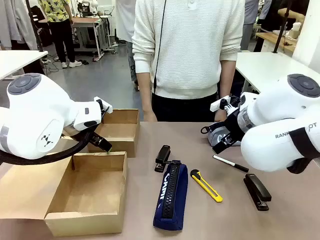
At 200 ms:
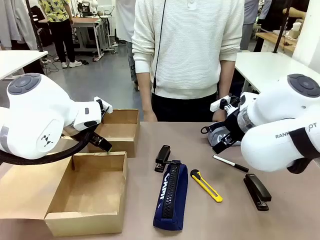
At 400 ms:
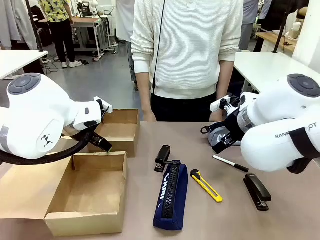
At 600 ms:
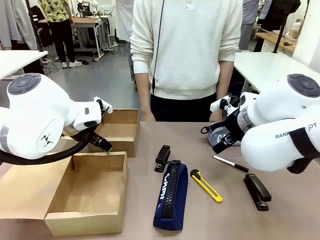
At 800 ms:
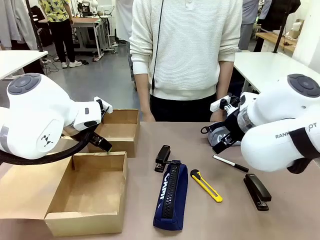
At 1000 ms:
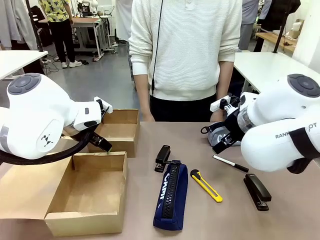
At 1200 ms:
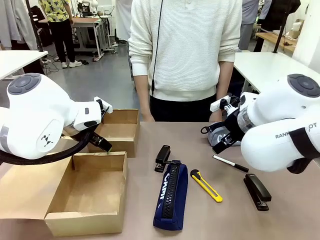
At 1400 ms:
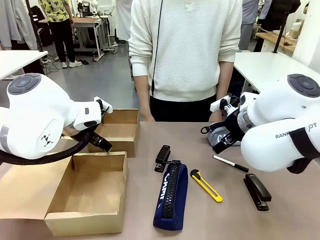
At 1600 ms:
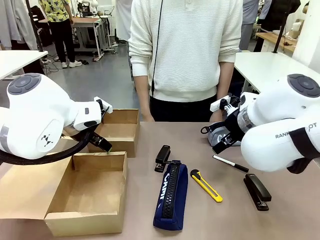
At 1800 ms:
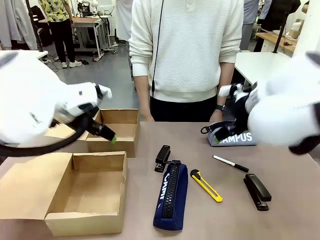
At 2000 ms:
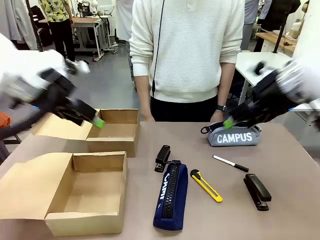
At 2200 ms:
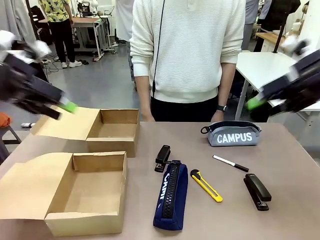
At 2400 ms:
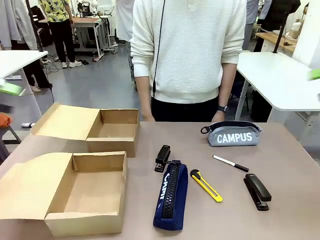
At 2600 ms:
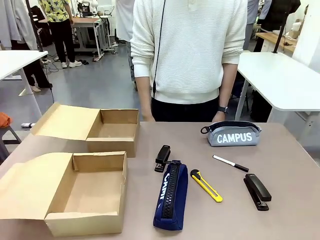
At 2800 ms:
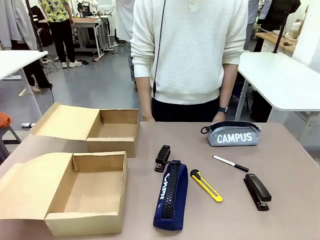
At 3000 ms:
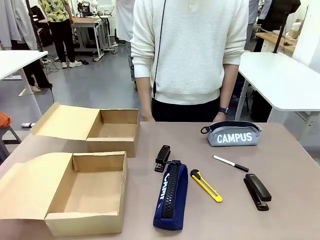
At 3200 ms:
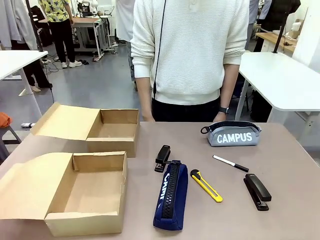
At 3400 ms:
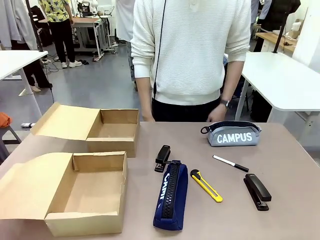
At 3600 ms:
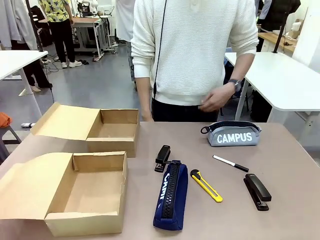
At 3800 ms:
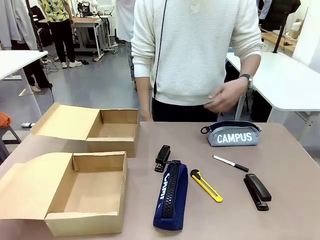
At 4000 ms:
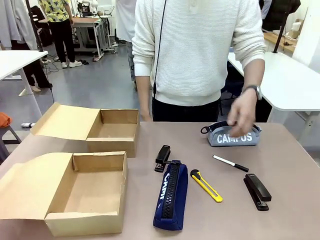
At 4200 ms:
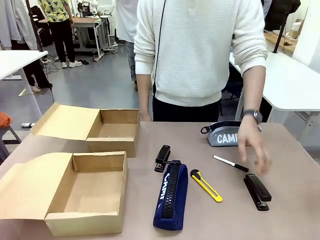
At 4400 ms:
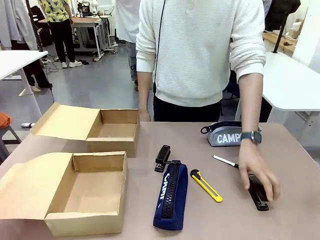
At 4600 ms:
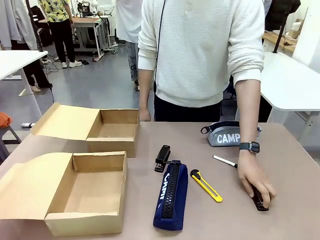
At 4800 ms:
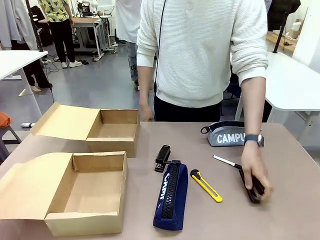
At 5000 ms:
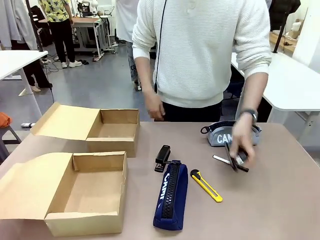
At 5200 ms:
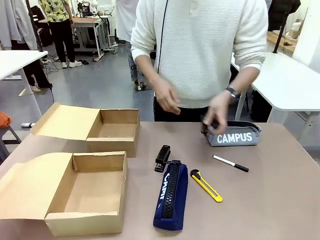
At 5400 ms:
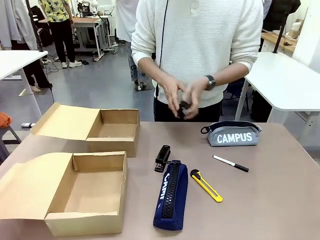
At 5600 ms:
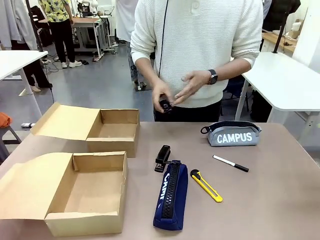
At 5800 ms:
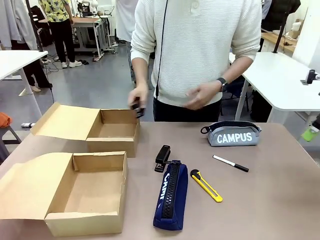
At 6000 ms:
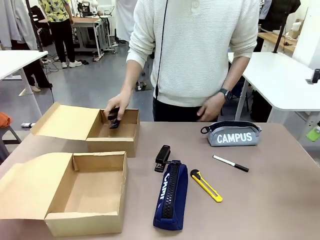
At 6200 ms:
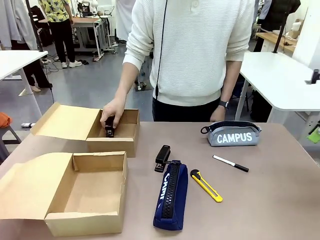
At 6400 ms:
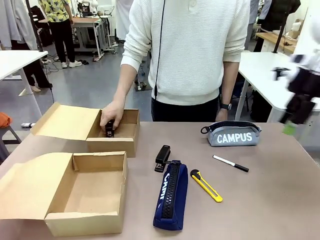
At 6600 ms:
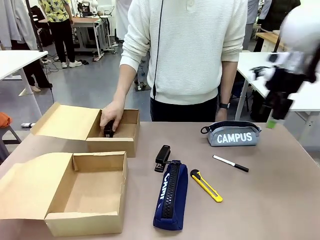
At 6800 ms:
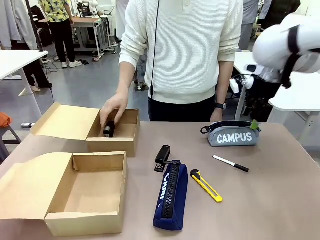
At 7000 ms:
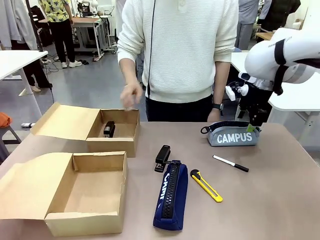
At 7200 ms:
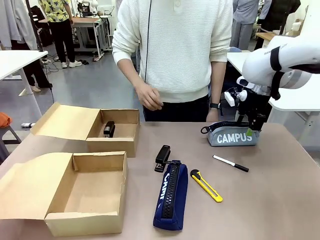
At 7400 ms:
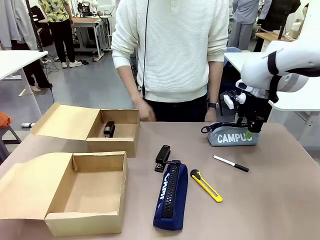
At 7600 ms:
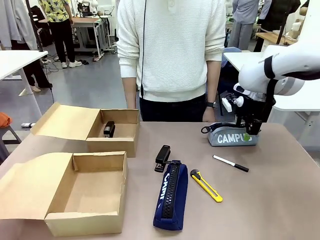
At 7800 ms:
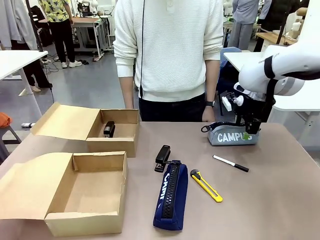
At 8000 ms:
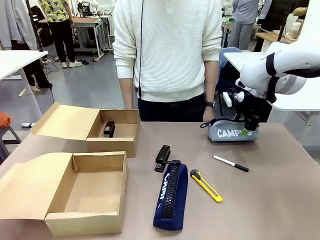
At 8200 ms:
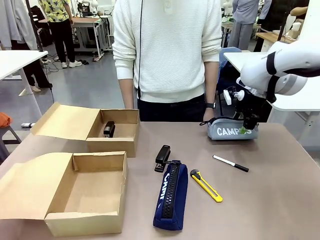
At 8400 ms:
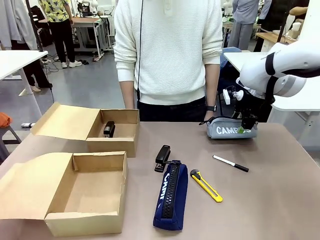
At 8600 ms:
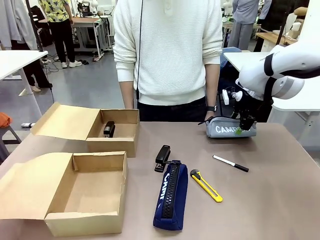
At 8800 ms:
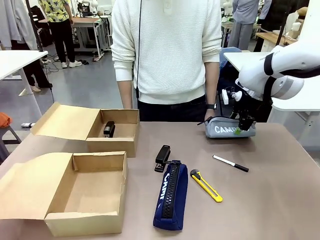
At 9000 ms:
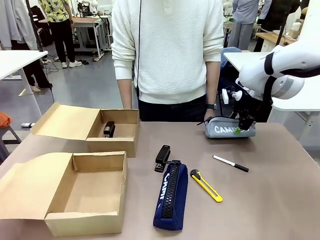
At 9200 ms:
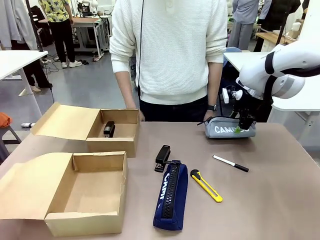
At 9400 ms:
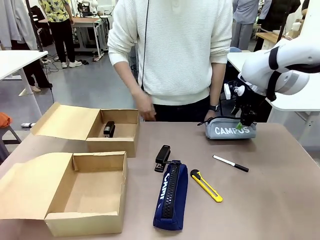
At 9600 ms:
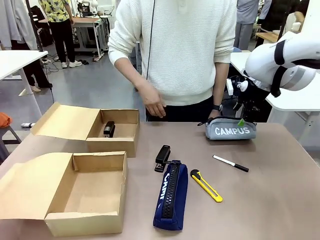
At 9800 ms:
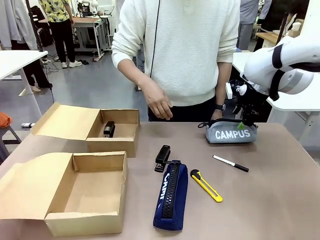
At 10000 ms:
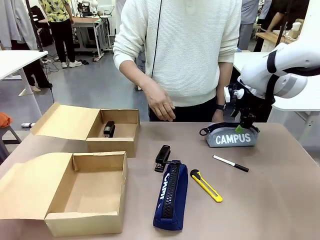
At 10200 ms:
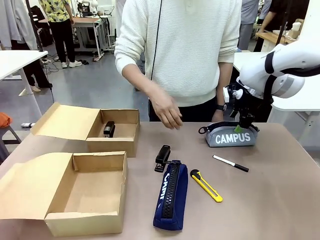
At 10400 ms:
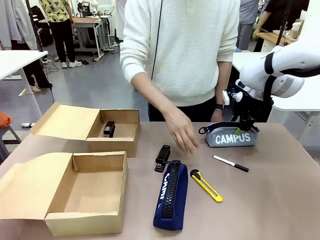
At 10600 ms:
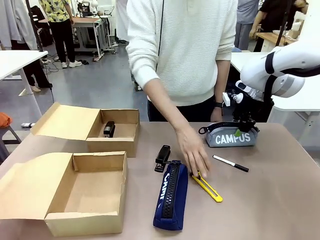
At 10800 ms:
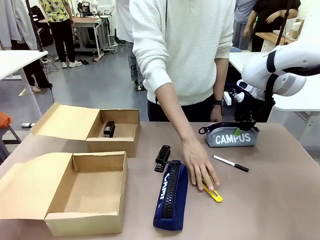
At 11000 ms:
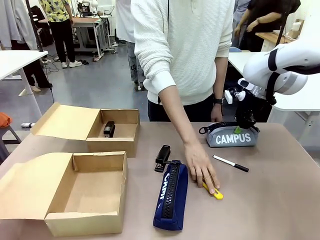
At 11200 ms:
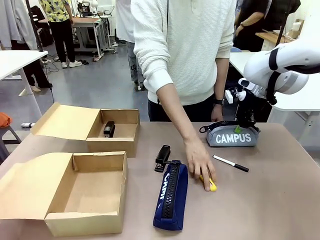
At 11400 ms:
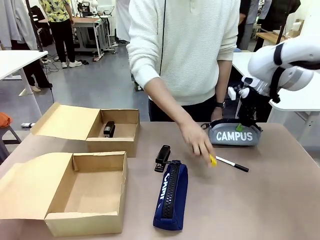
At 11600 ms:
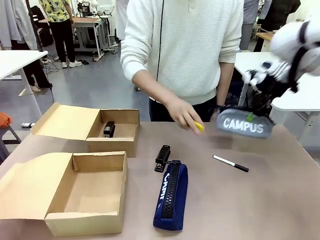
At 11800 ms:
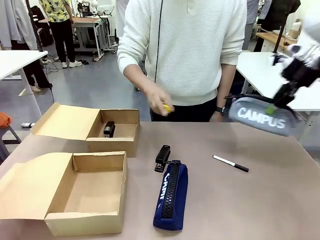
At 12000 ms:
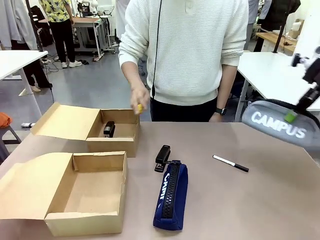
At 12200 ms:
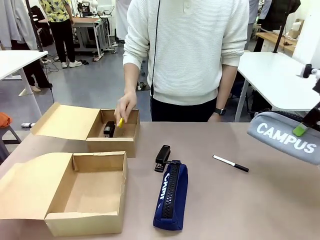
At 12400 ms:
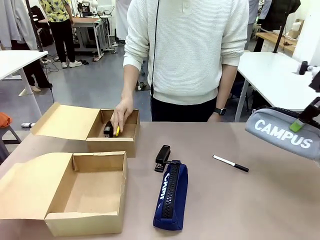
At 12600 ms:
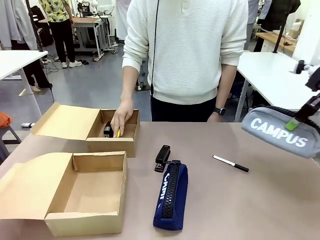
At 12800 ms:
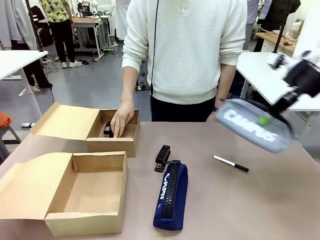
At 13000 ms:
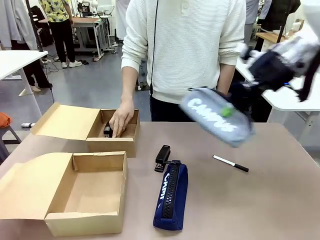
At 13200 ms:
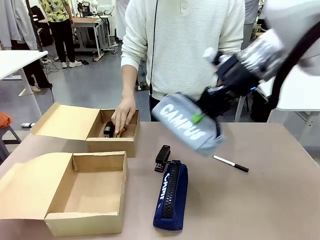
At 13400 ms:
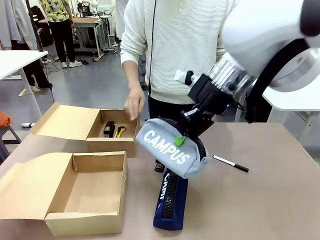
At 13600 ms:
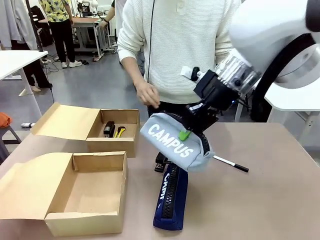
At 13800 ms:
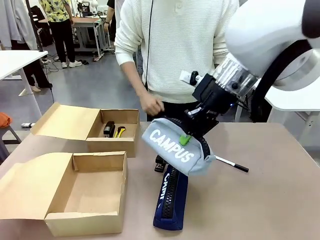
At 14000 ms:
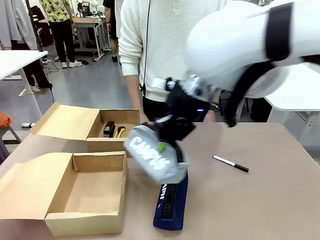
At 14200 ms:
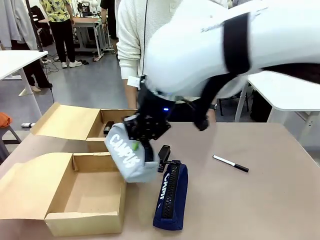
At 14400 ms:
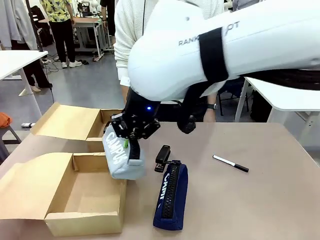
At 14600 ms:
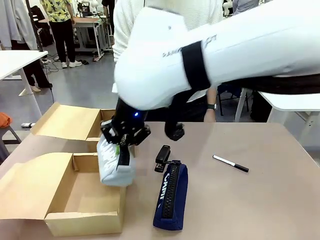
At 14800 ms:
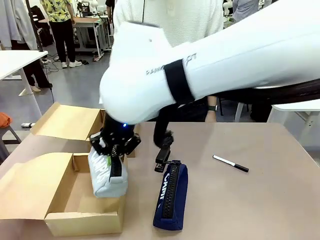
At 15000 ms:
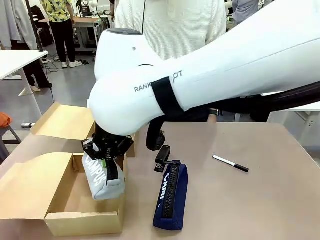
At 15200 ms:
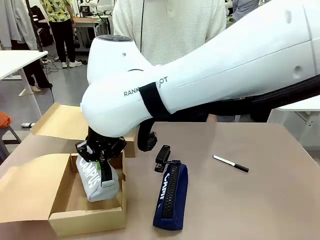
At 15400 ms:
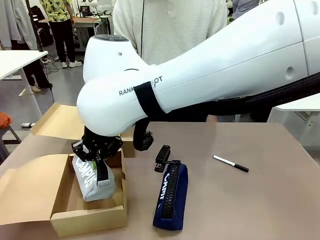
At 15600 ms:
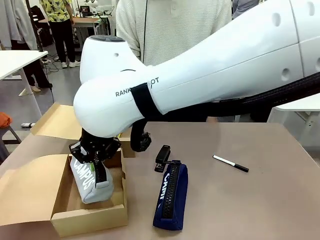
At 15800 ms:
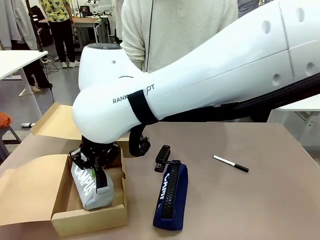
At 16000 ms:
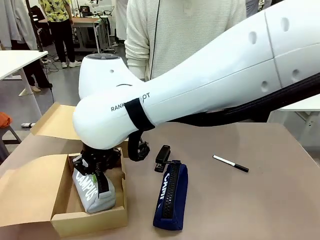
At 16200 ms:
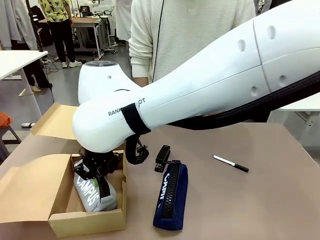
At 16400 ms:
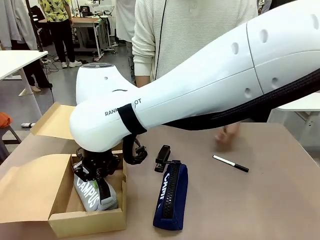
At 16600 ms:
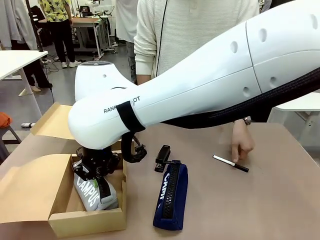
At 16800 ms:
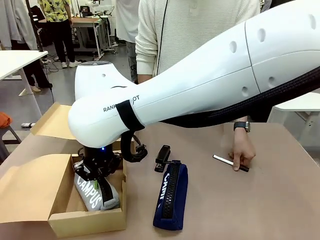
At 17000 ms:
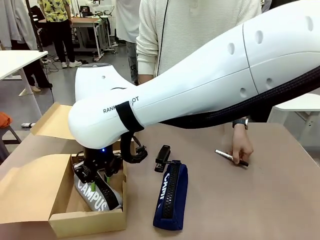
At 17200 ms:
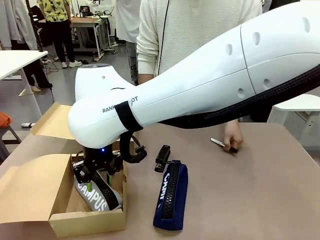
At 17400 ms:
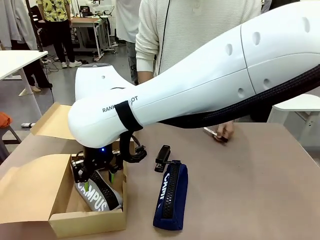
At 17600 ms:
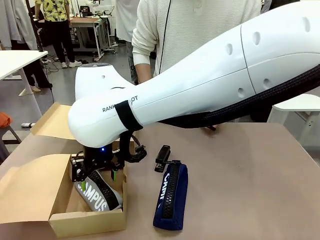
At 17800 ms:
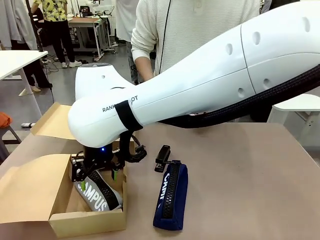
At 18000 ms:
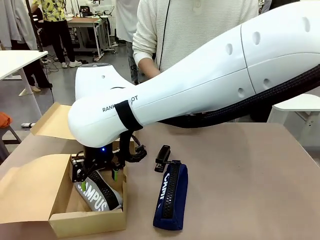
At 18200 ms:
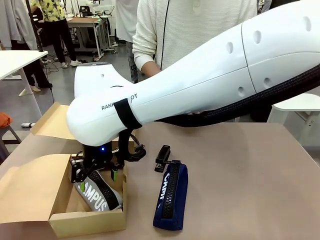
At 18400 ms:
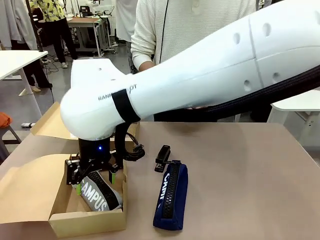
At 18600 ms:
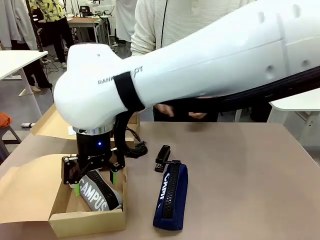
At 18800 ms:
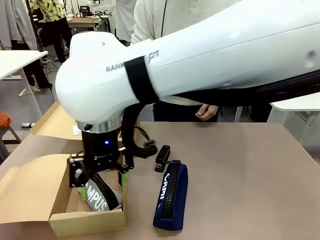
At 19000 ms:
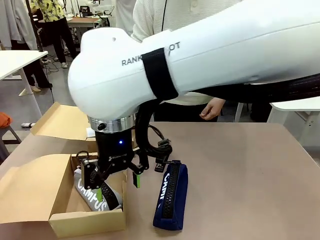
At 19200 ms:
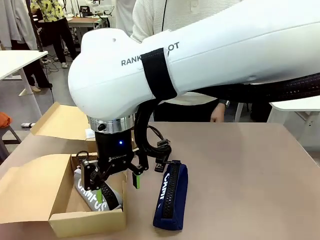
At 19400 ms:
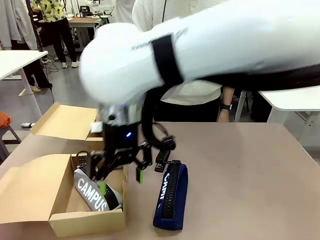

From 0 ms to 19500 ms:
Task: Place items inside the box.
Robot: Pick up a Pencil pouch or Stapler and place it inside the Mailer Box closest to the robot.
Person: Pick up an object on the table and put it in the box.
